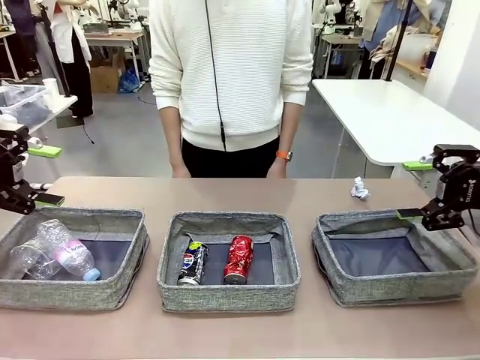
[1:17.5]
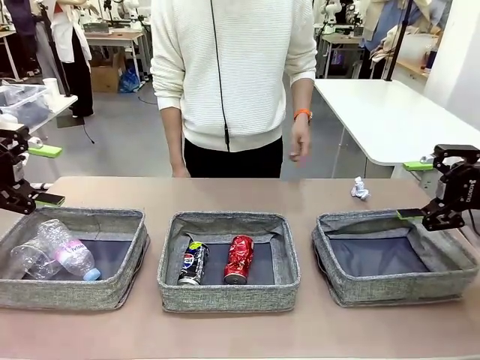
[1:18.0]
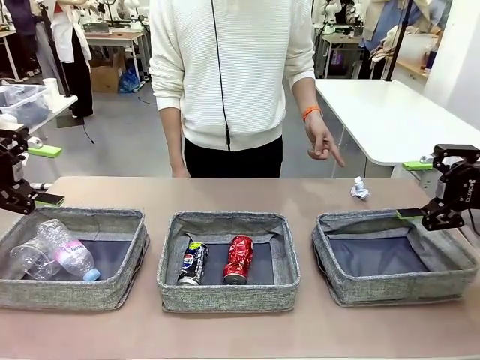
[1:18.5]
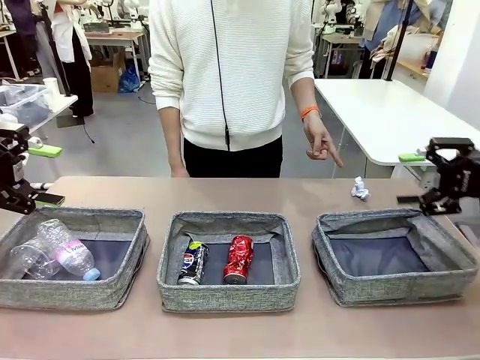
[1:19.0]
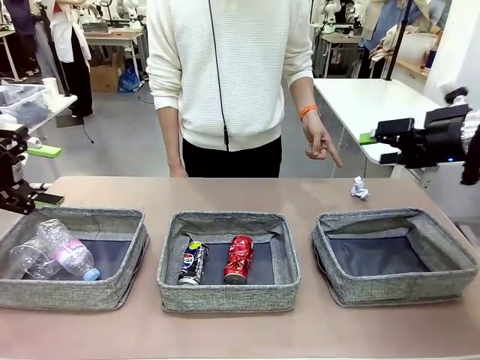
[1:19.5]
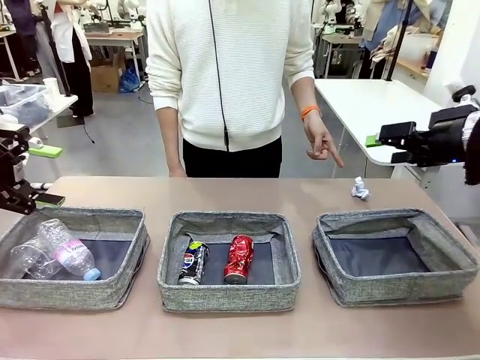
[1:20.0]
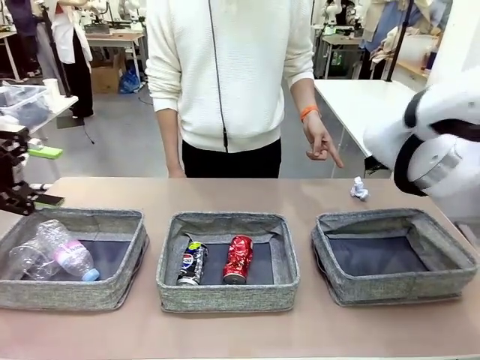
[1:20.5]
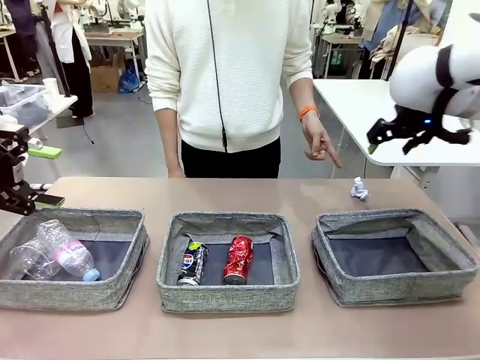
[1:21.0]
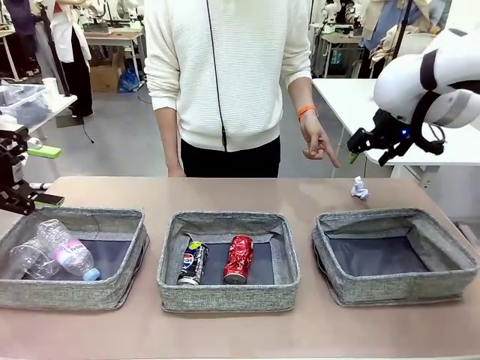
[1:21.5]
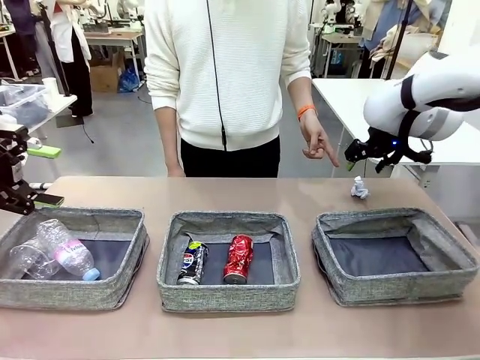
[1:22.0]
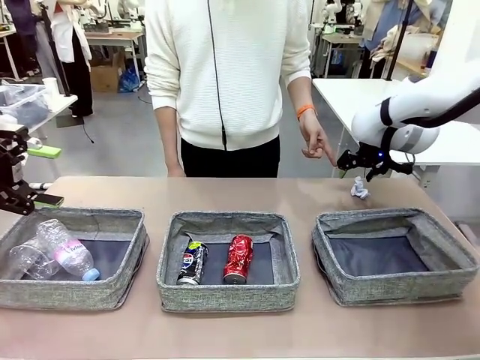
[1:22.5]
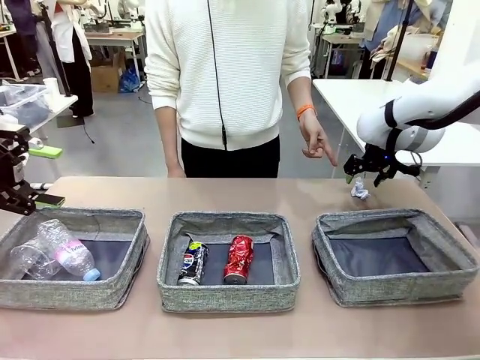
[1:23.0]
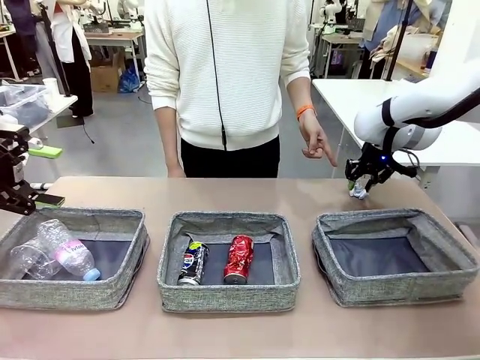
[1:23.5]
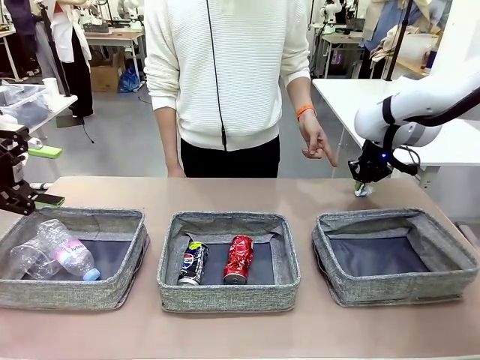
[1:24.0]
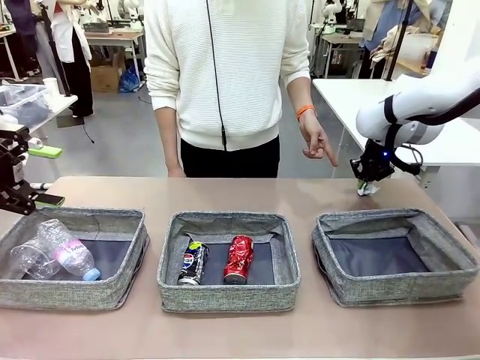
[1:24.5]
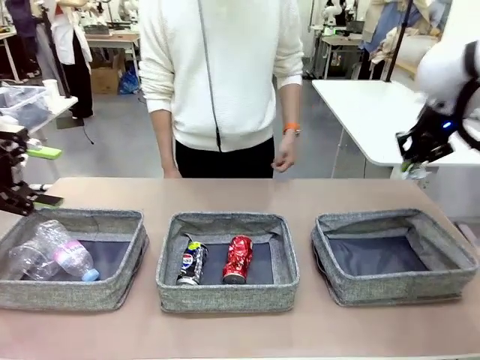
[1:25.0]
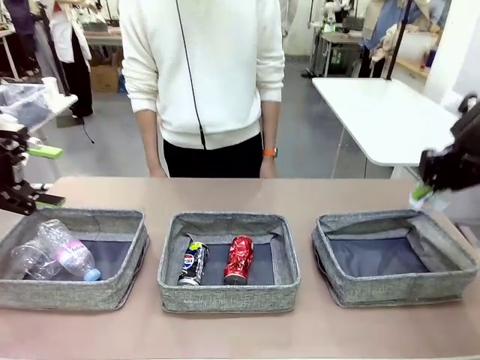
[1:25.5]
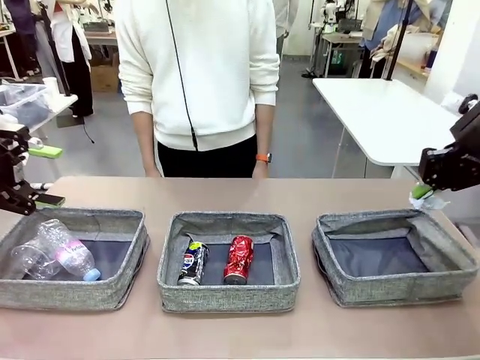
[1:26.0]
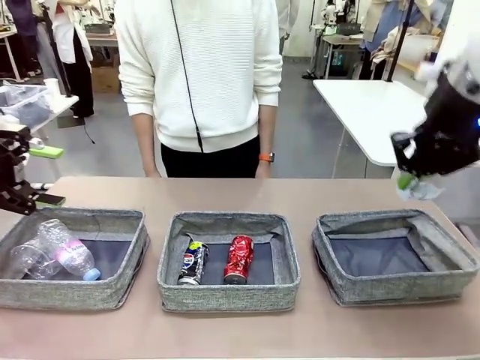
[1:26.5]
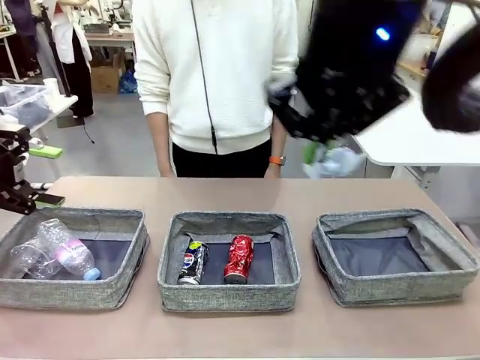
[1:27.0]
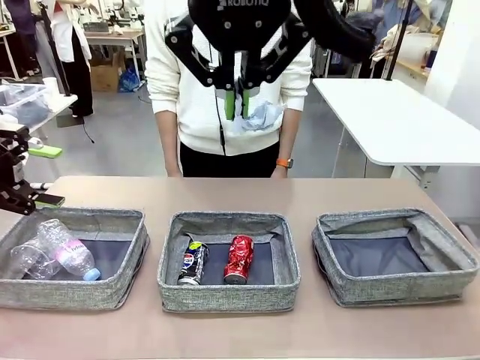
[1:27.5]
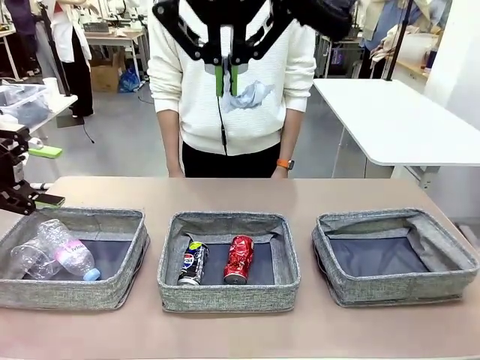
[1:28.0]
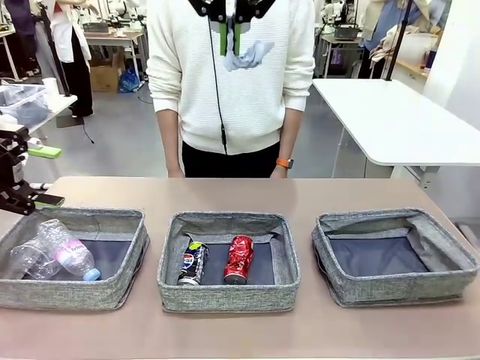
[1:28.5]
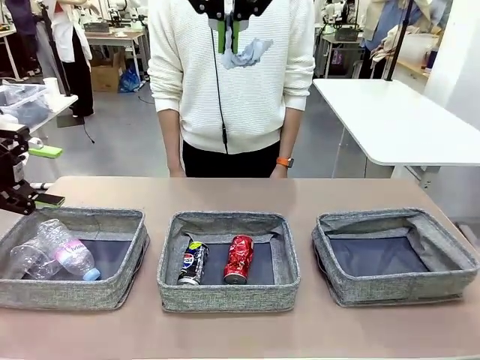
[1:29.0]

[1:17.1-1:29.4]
Task: Sort the waste into the appropriate baskets.
Robot: Pick up the waste item pointed out by the person.
Person: Points to one piece of trash on the table.

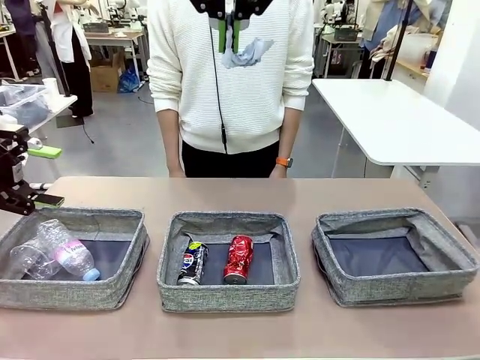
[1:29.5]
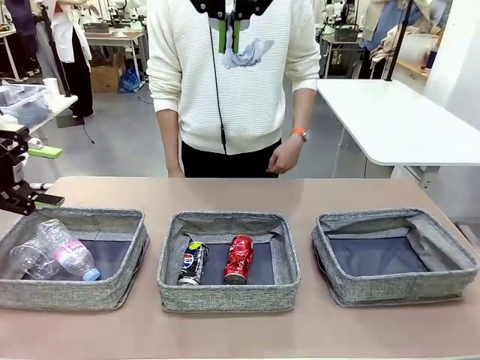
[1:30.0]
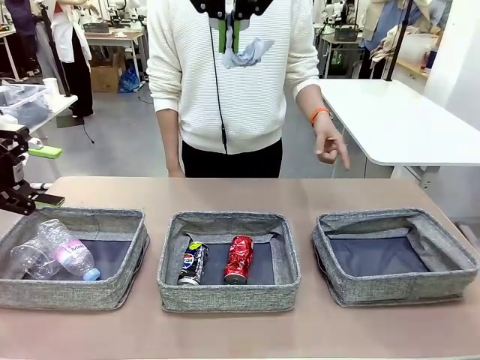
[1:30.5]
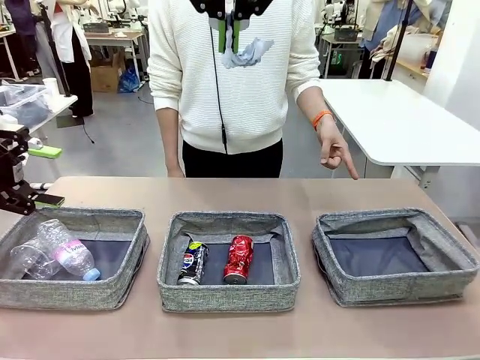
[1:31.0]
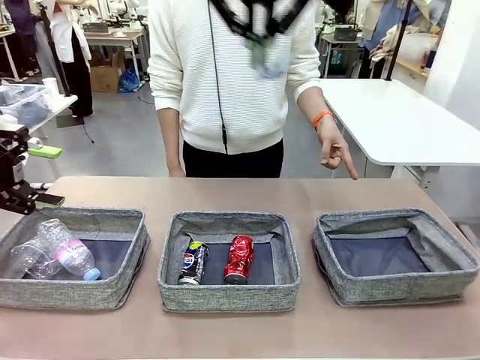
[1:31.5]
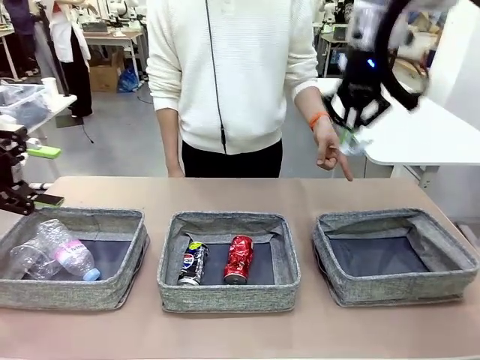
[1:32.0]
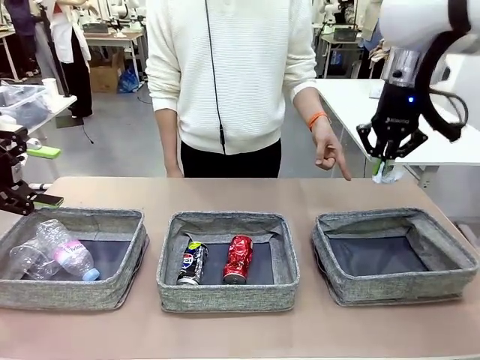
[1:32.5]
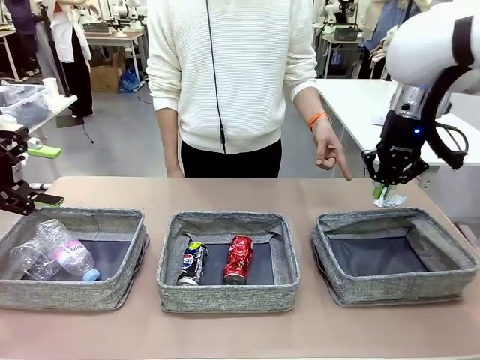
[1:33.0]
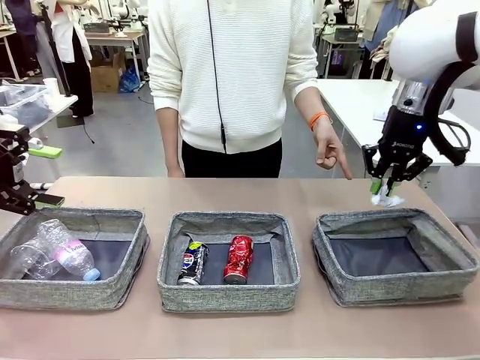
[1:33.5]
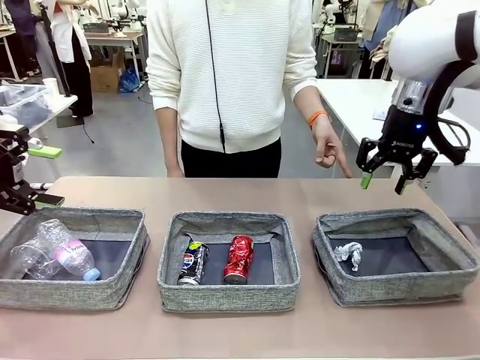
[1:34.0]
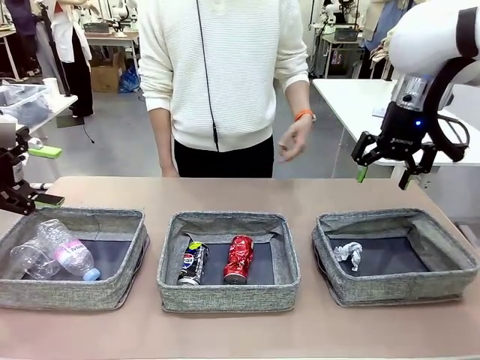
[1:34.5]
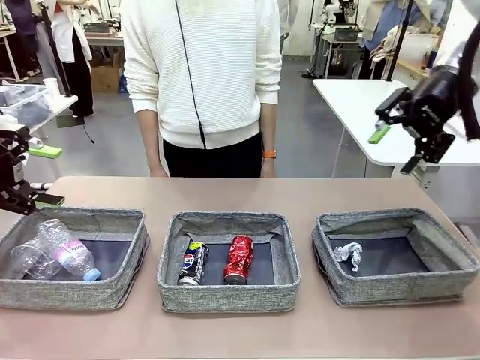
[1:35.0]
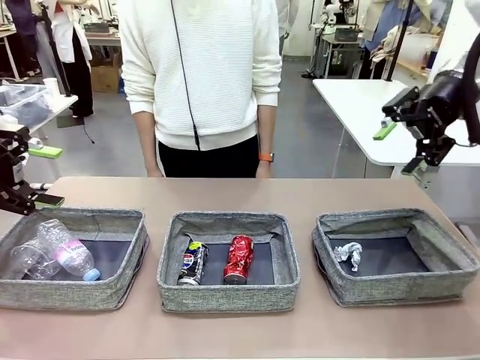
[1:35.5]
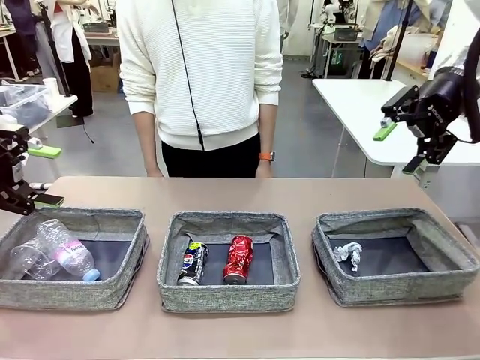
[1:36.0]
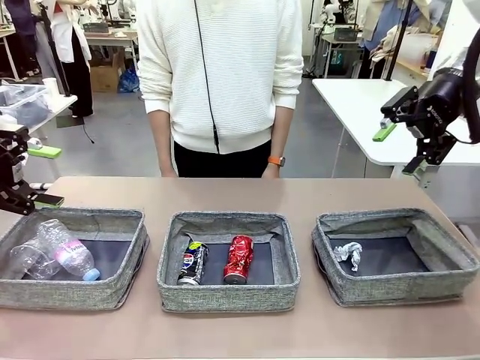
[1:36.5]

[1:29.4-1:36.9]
Robot: Place the picked waste into the Fabric basket indicated by the person.
Person: Instructs the robot to place the picked-up trash into the appropriate organizing basket.

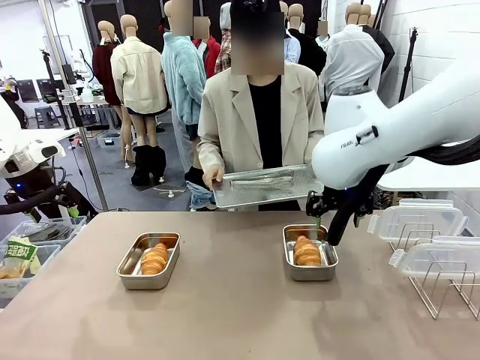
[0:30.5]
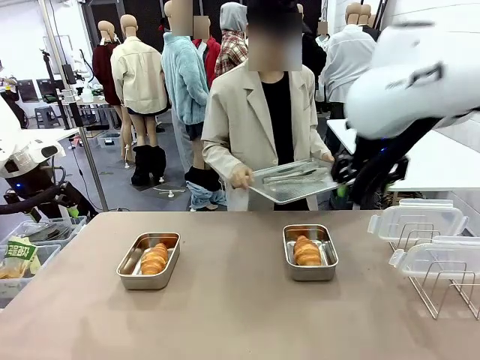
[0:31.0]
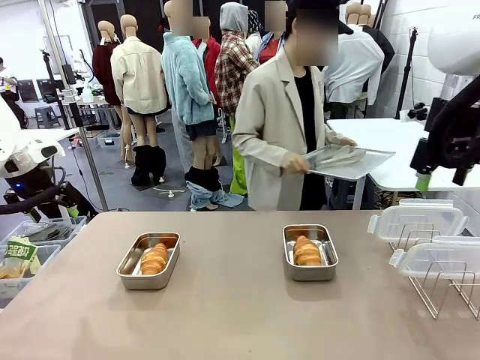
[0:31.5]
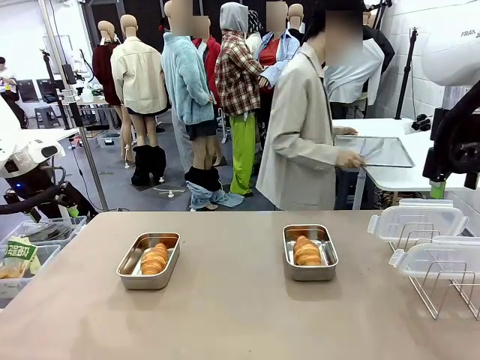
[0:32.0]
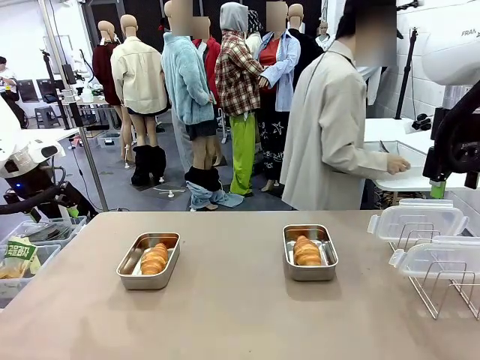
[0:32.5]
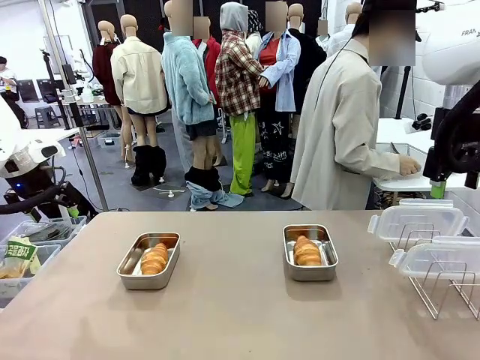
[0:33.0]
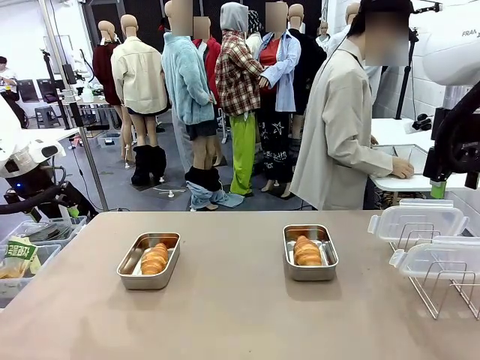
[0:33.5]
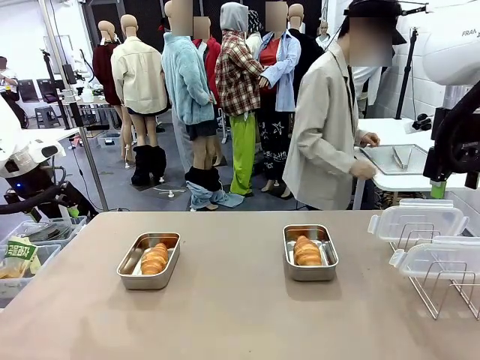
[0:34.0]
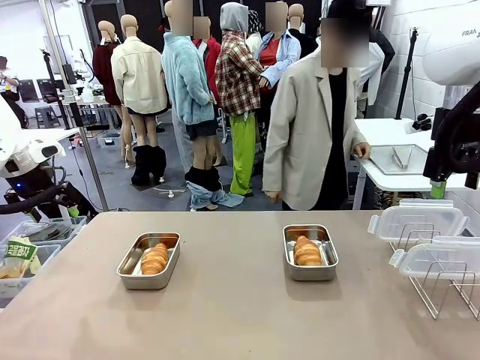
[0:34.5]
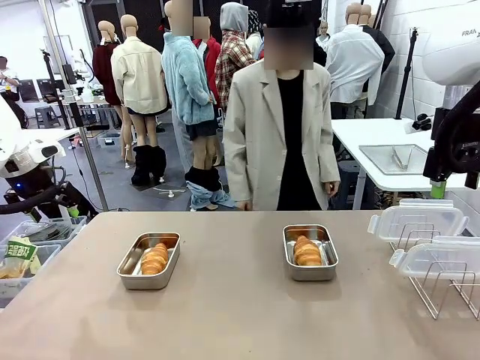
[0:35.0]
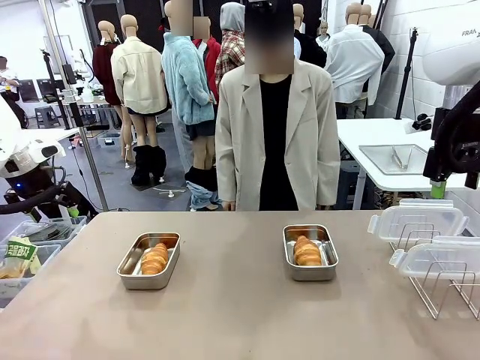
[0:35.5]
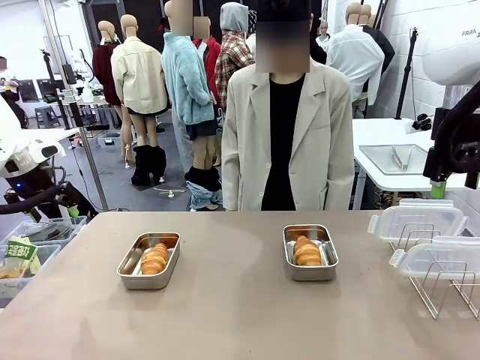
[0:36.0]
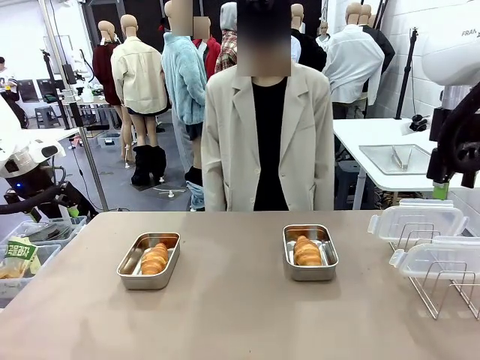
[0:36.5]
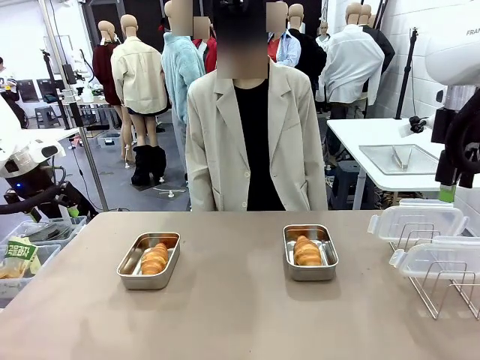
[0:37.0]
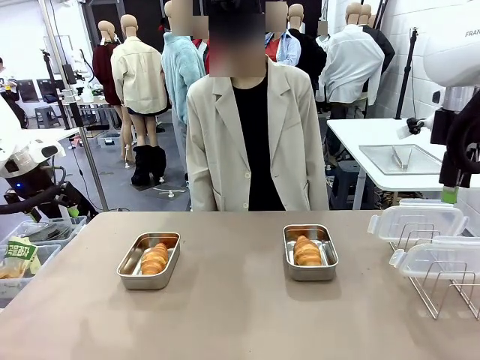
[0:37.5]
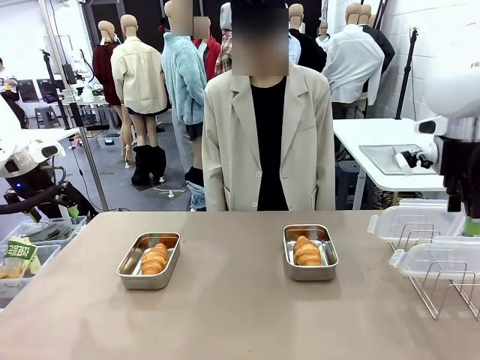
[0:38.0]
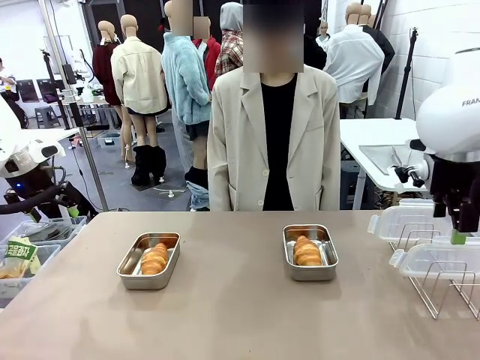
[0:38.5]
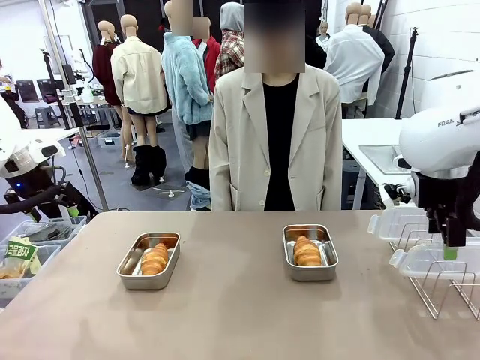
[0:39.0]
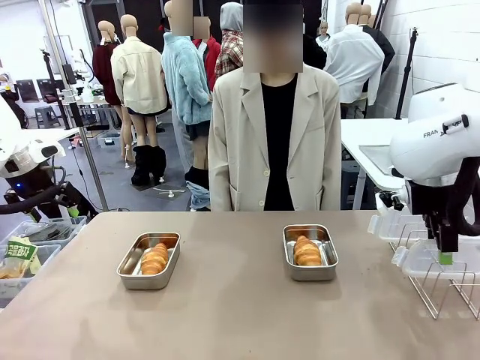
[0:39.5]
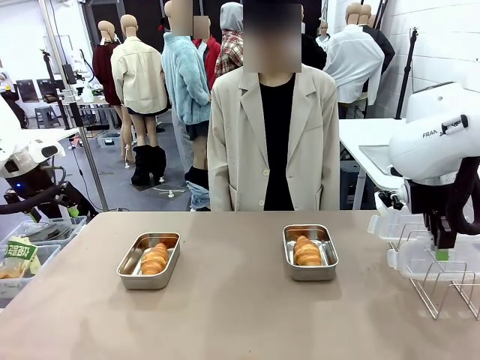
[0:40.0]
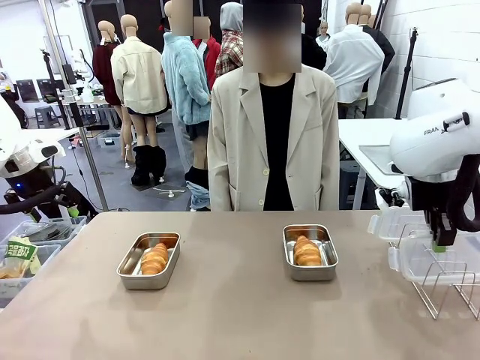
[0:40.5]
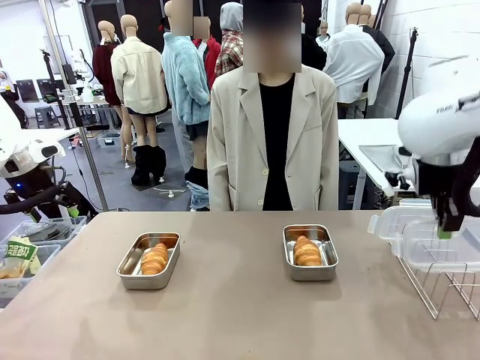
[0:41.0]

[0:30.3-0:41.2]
Task: Place the bread in airtight containers.
Robot: Pick up one Airtight Container lid and hand it to the human.
Person: Place Baking Sheet on the Human's Table.
